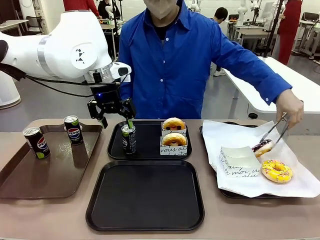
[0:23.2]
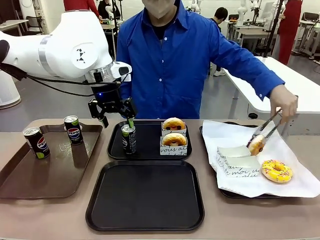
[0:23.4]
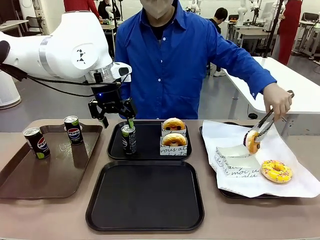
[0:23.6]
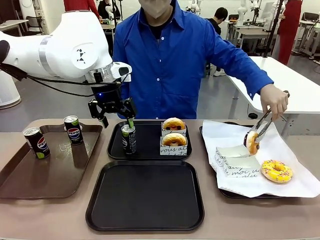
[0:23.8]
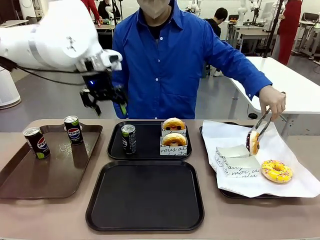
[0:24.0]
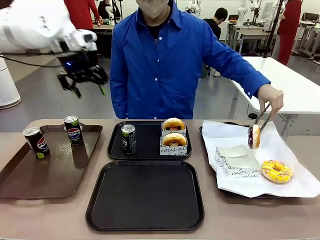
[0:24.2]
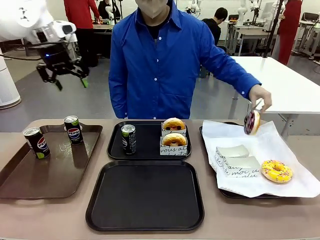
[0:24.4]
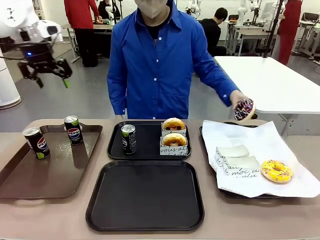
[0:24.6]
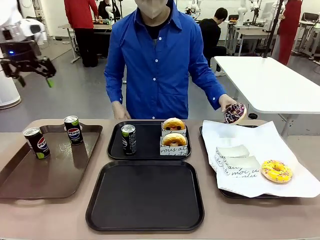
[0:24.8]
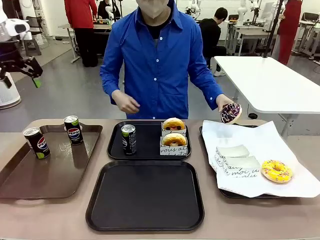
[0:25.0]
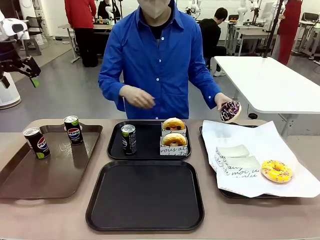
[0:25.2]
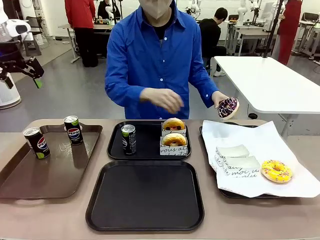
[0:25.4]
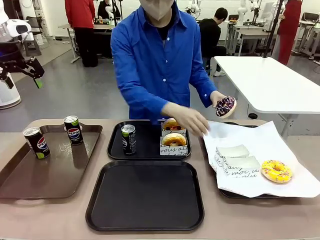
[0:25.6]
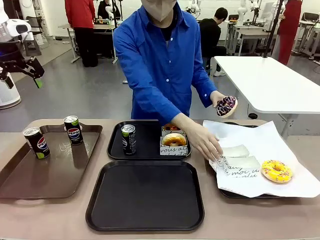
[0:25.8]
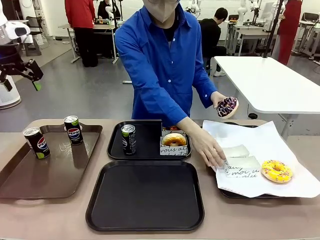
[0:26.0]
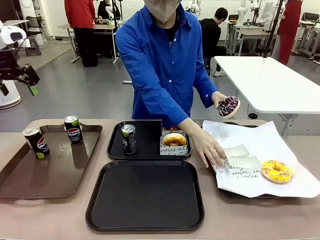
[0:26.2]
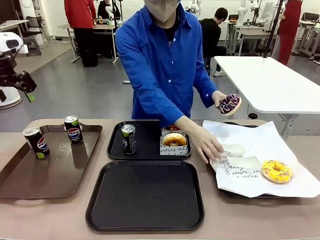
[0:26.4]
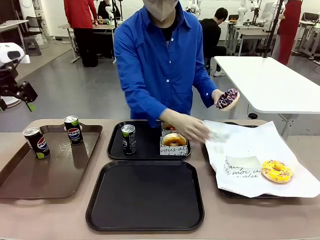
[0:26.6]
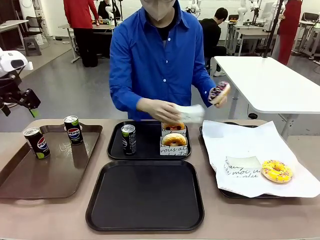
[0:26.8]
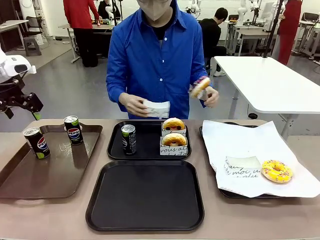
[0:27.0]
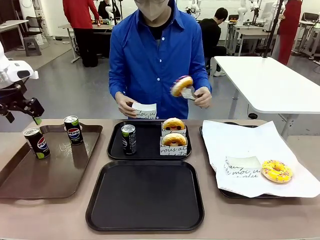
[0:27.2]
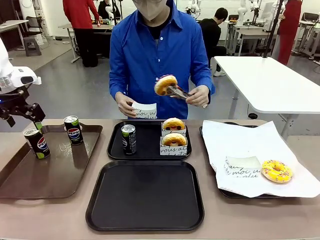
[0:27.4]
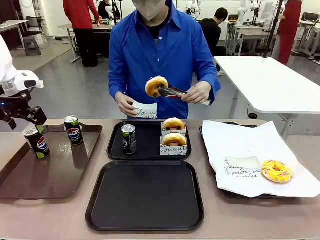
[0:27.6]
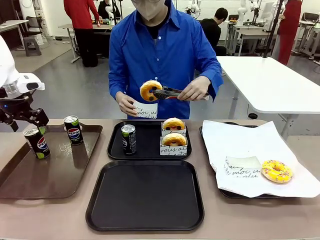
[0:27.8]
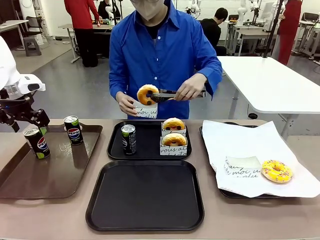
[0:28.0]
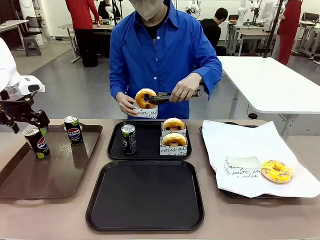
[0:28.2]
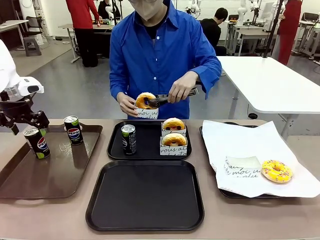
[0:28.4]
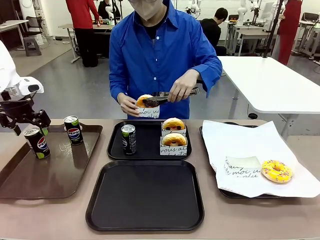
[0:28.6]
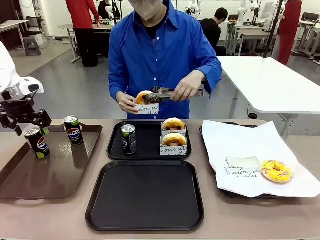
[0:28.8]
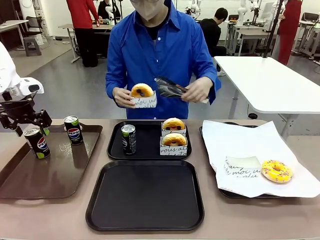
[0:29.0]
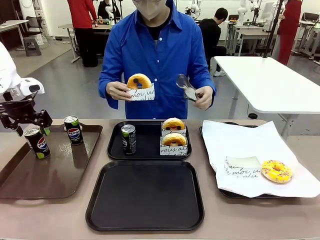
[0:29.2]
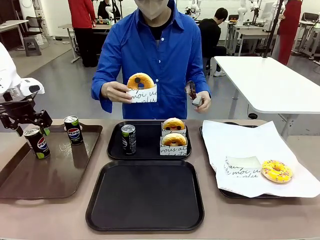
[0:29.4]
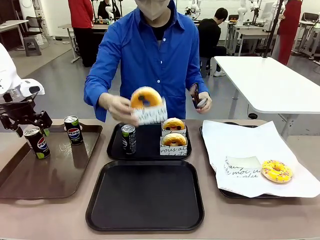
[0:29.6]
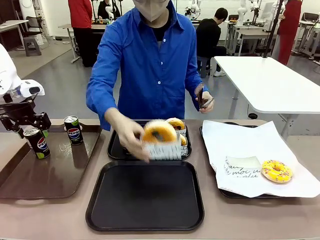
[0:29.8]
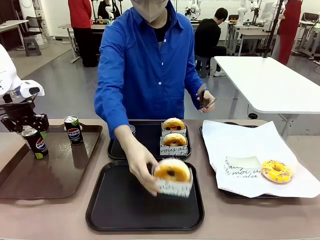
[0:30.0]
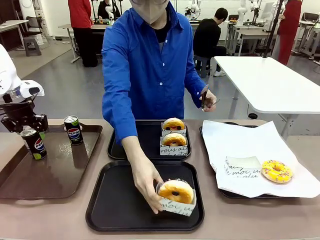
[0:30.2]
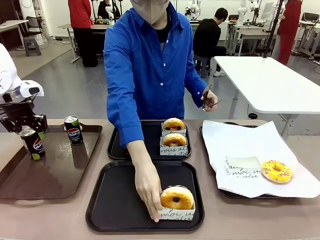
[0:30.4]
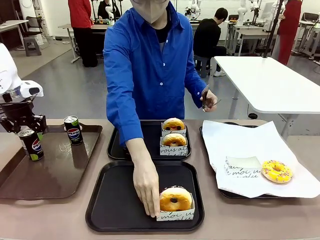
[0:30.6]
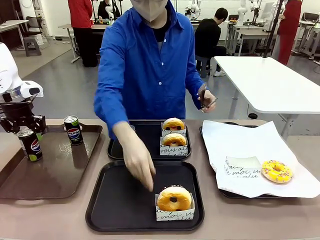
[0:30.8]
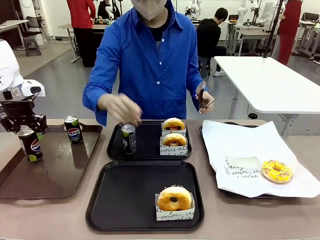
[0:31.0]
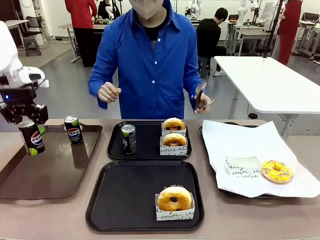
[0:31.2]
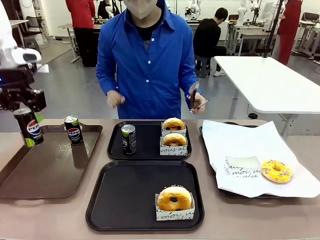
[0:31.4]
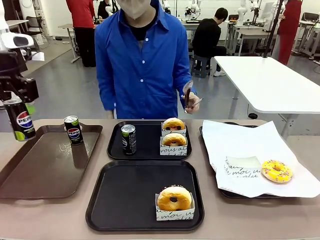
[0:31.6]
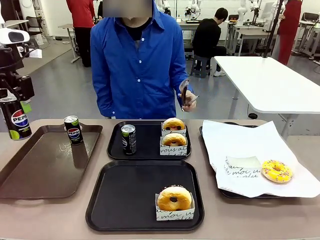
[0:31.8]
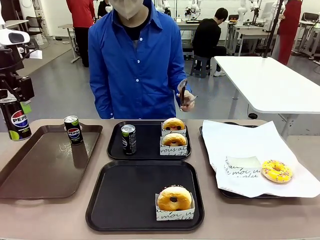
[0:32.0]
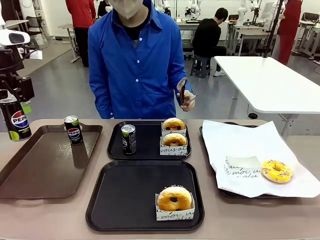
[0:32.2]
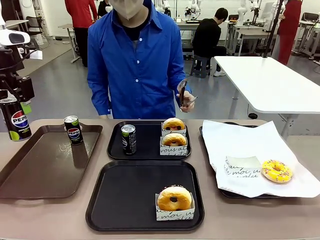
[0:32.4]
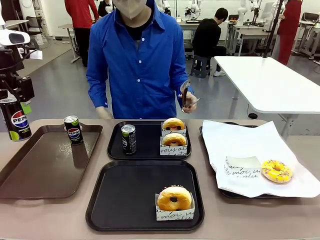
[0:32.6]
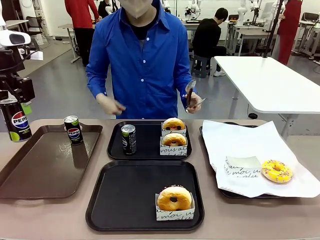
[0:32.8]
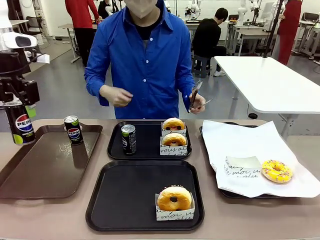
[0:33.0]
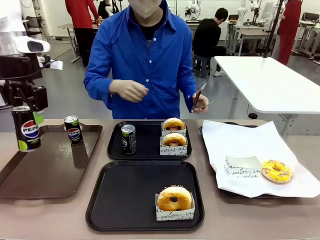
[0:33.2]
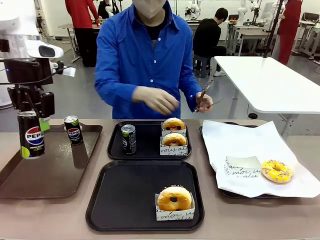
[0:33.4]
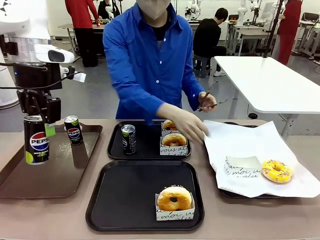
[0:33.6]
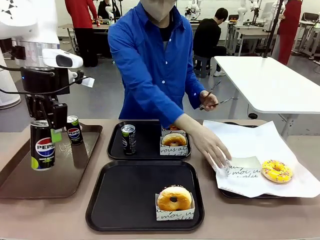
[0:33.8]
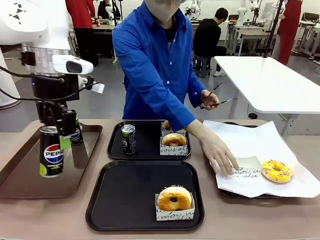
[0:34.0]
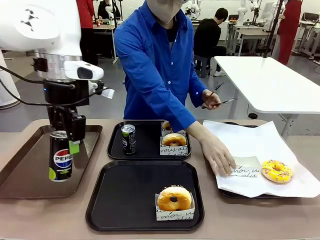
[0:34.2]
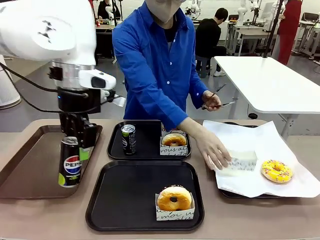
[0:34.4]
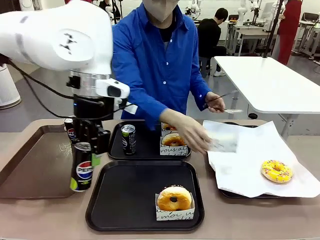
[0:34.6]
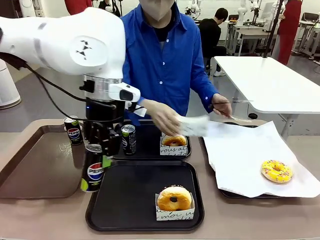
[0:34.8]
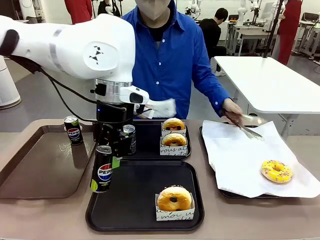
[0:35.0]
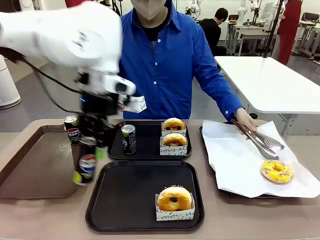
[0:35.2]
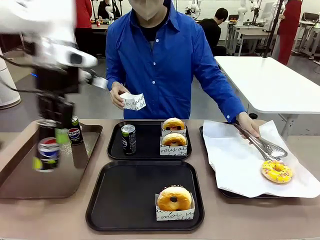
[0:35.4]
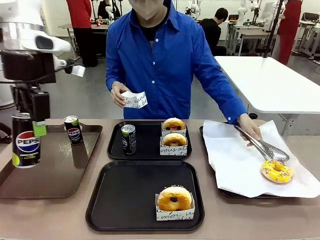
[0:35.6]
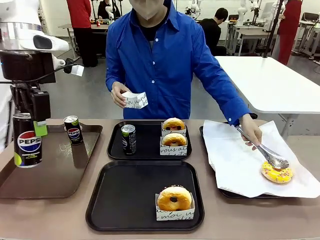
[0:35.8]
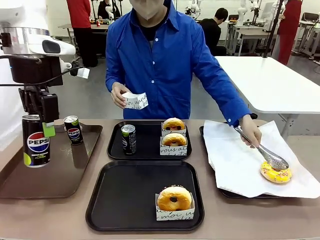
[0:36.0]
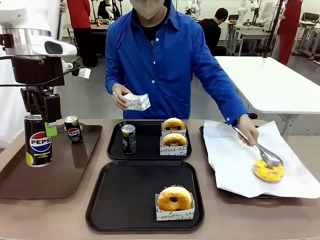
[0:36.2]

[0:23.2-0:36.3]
Task: Set up donuts and drinks on trays.
Robot: Pick up one Pepsi coke from the Handle tray and place it on the Flat Tray without a Pepsi coke.
